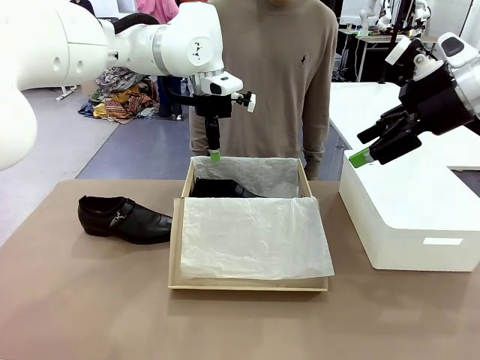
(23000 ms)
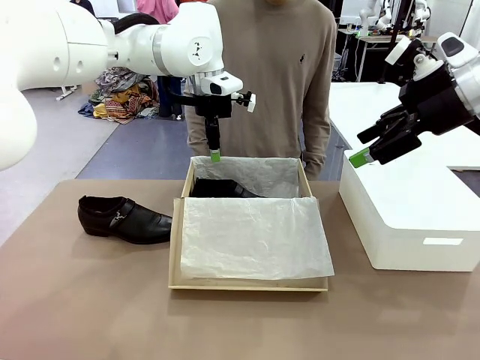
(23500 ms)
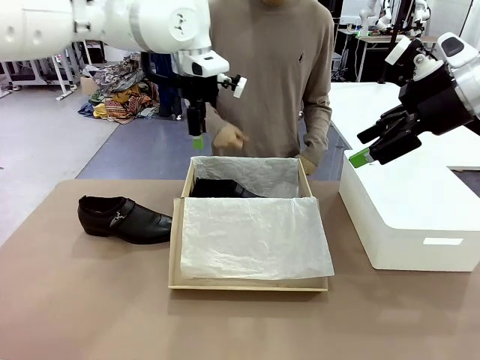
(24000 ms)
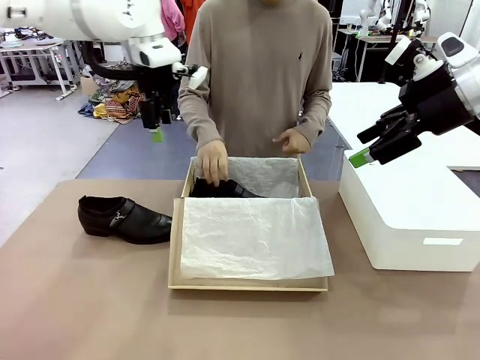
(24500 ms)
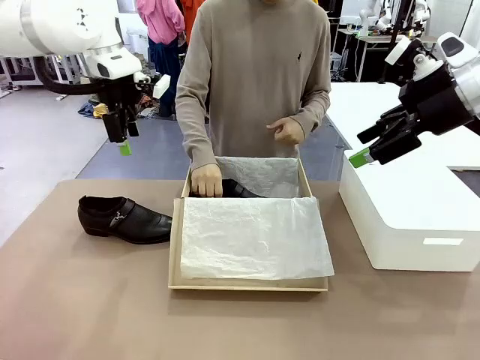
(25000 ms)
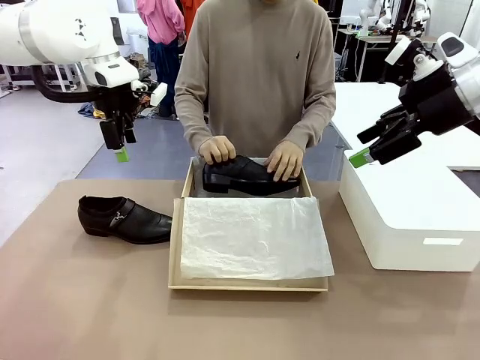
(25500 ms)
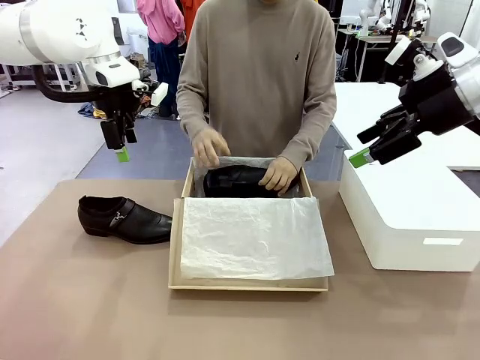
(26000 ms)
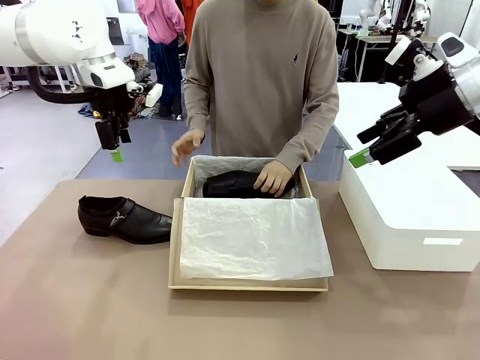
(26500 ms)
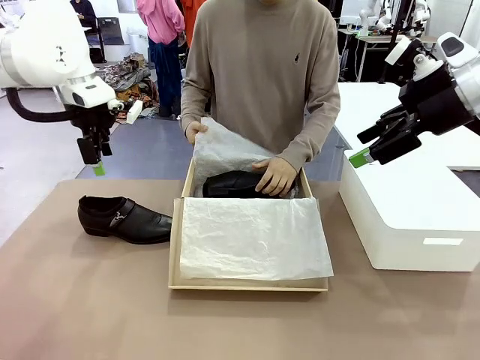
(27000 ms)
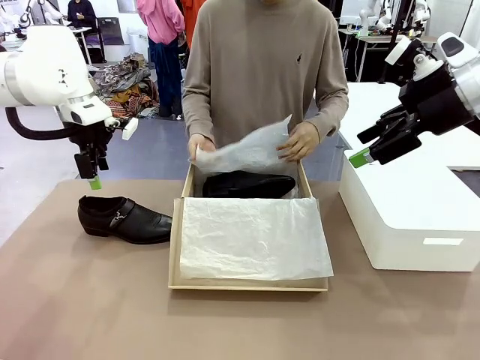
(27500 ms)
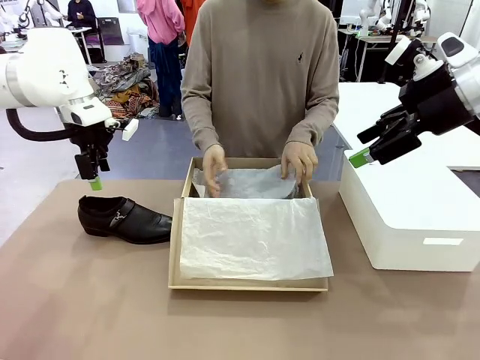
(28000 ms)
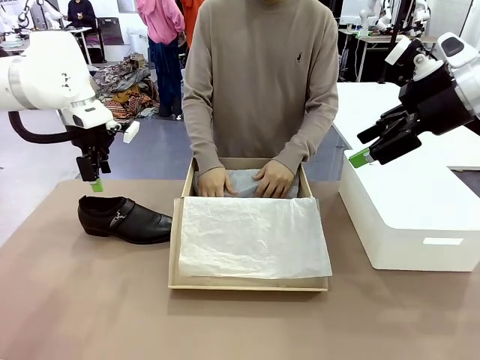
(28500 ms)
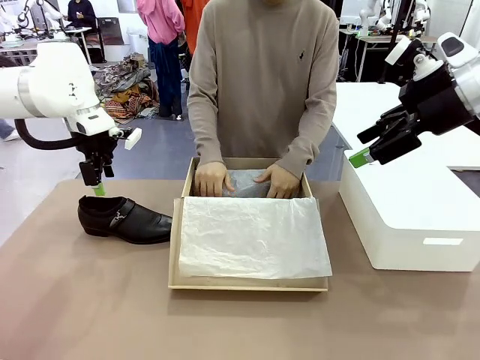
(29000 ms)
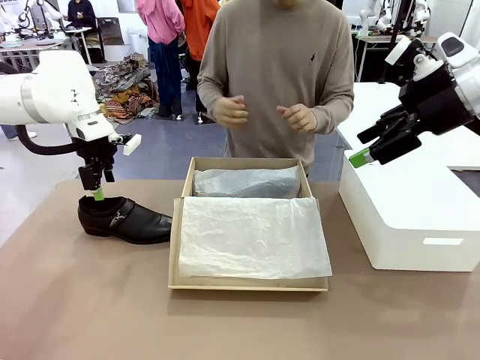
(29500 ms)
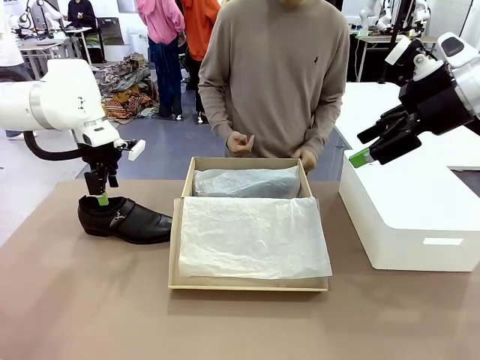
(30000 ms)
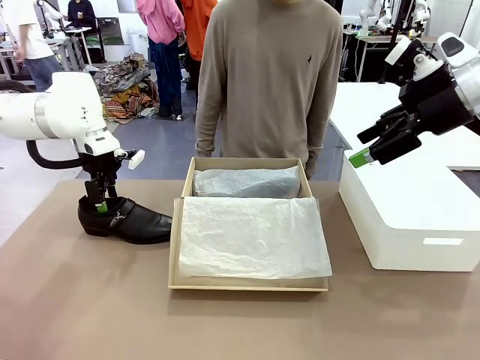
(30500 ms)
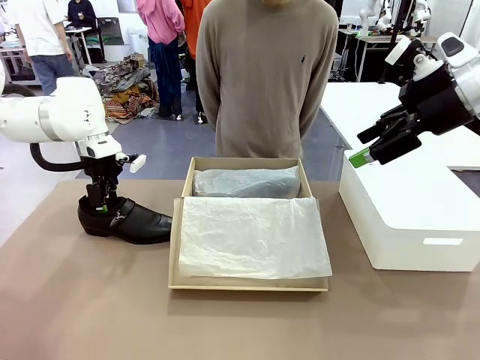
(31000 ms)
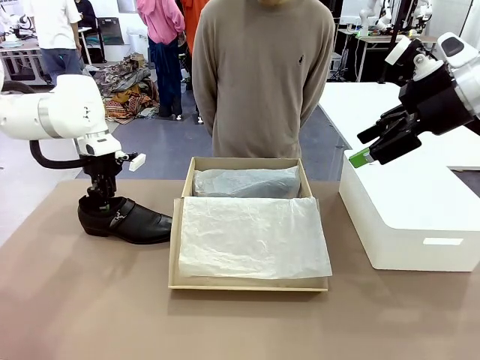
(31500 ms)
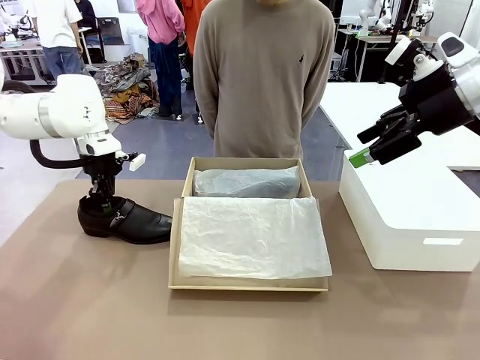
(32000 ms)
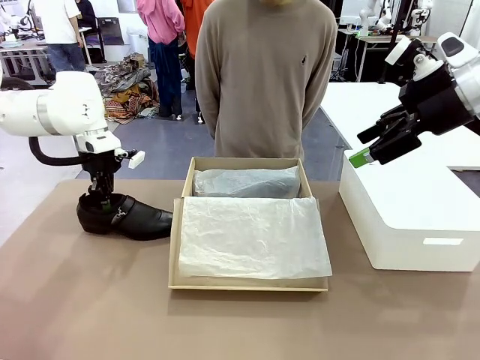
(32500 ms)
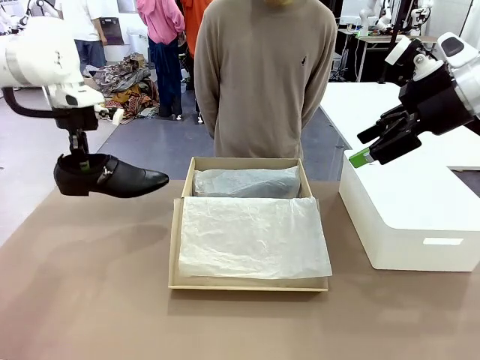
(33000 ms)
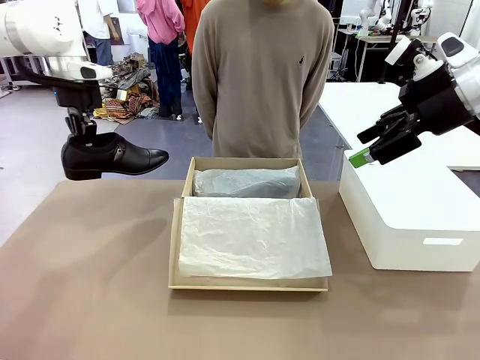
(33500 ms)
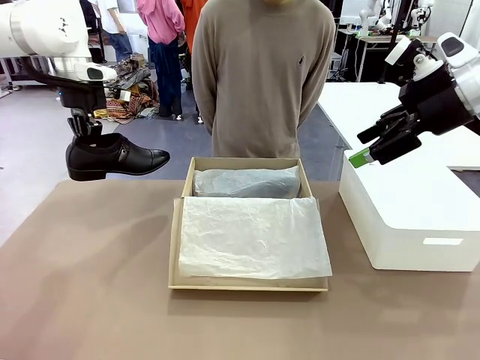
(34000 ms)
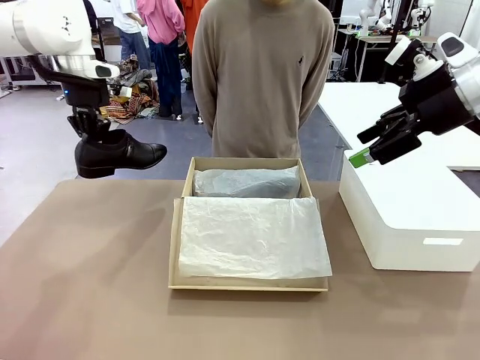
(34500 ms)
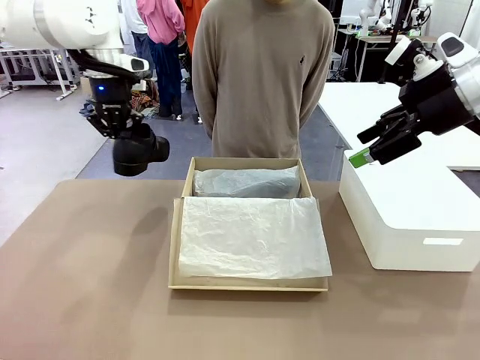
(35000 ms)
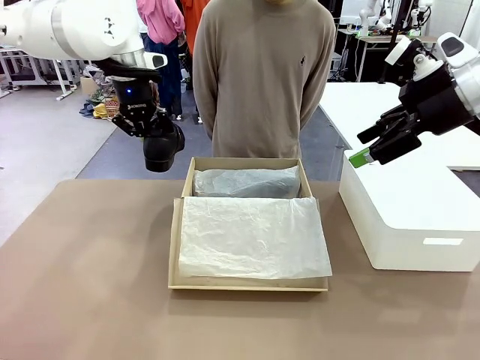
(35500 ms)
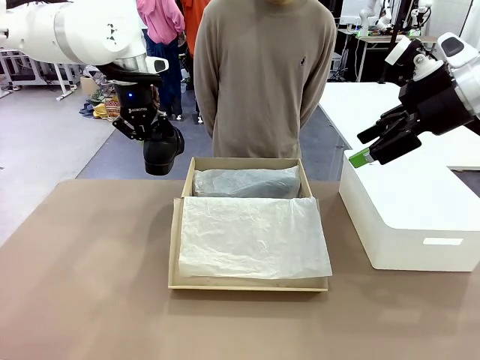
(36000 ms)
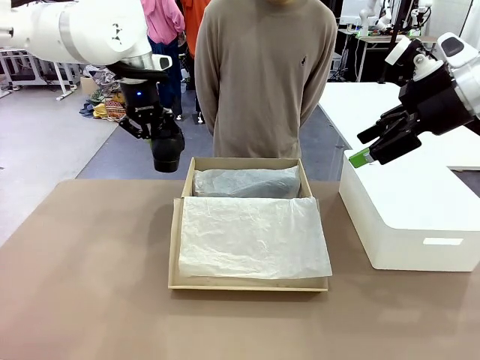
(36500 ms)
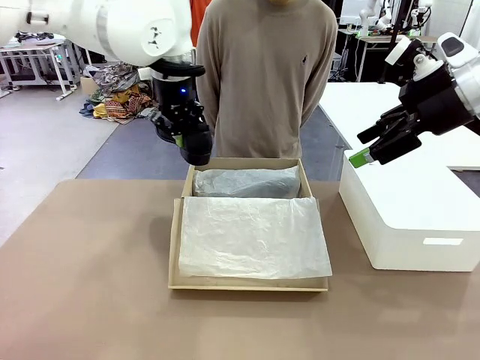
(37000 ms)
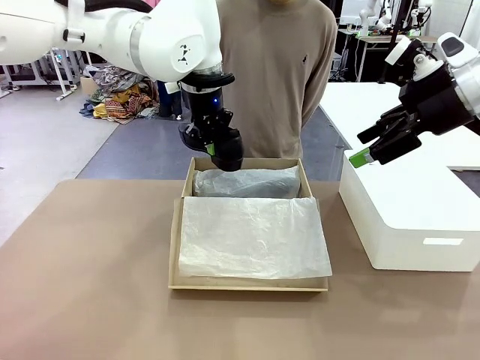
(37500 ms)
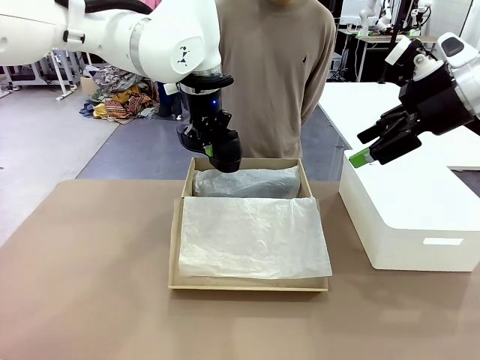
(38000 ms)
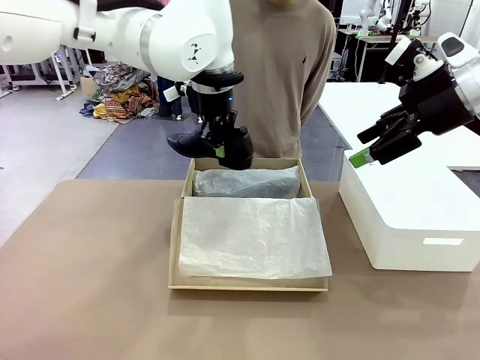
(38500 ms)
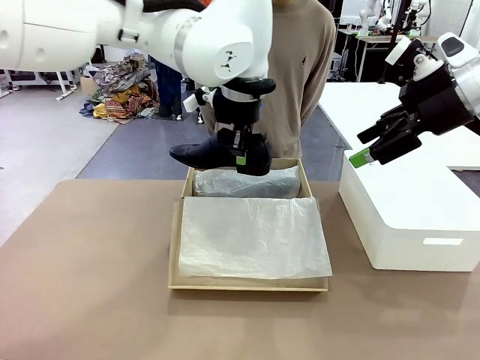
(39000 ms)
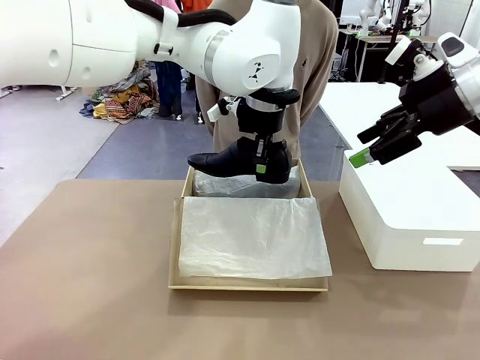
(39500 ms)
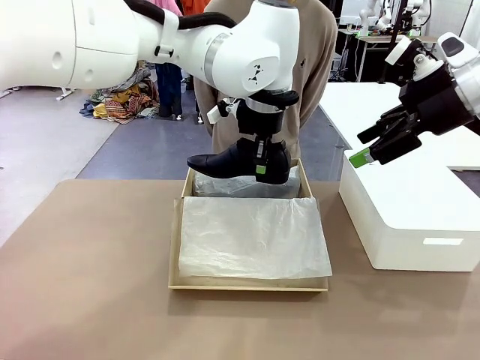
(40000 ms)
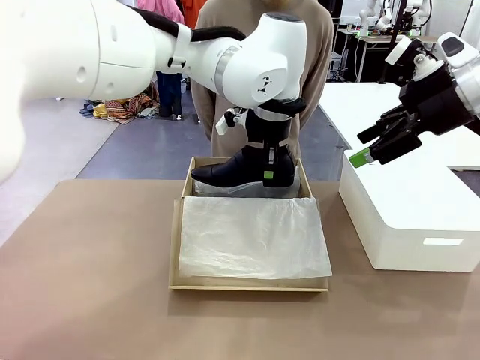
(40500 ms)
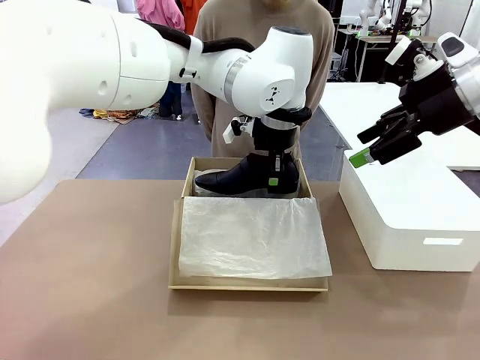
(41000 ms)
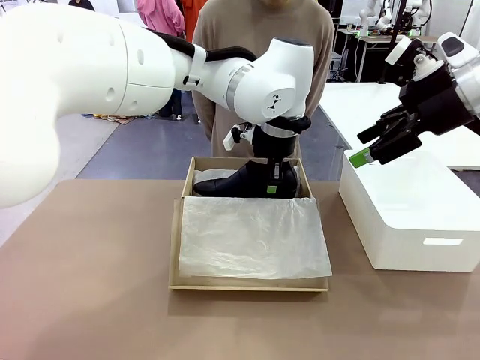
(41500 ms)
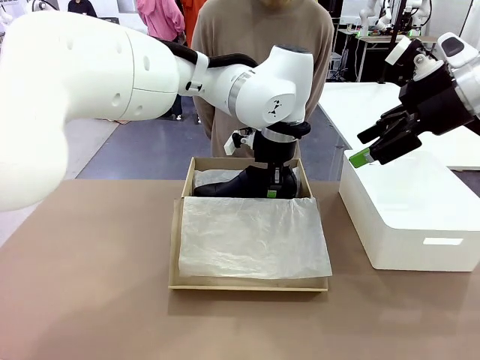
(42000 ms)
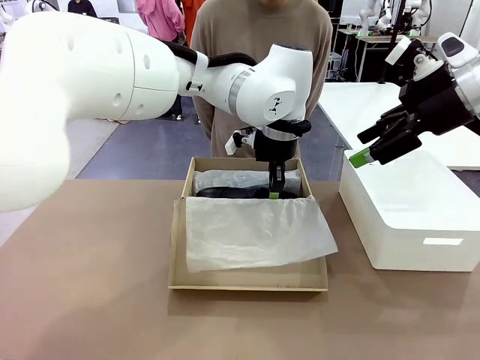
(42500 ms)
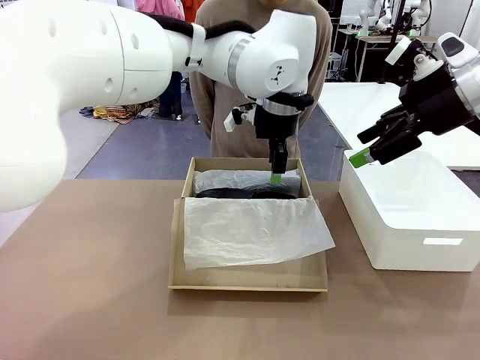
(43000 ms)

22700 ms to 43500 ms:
Task: Pack the shoes into the box.
Robot: Place the other shoe of the Shoes into the Shoes Box.
Person: Pack a shoe of Shoes inside the Shoes Box with Shoes Wrapping Paper.

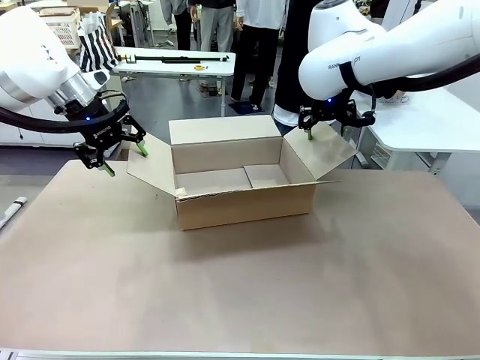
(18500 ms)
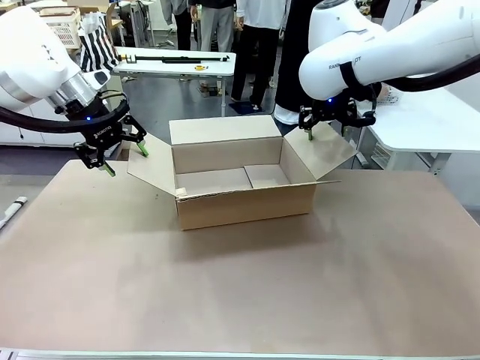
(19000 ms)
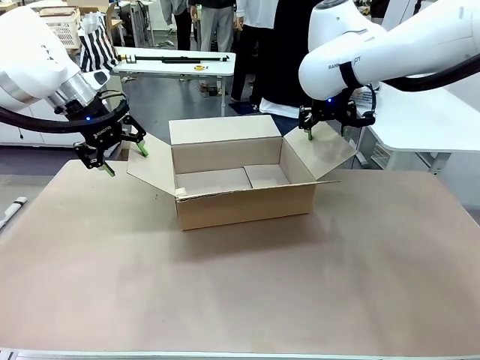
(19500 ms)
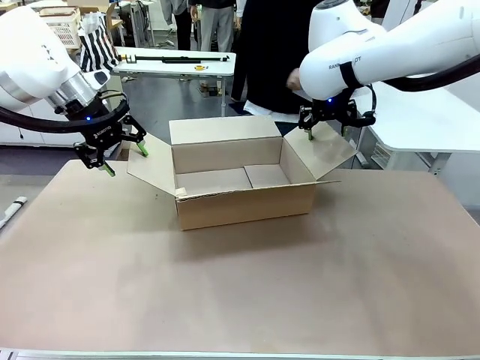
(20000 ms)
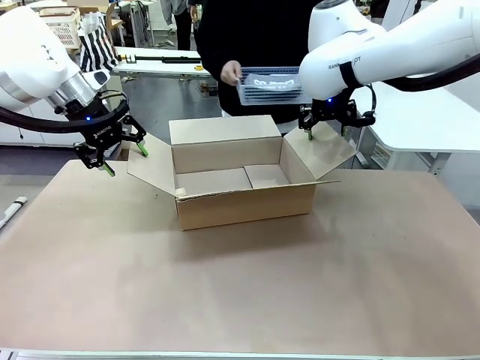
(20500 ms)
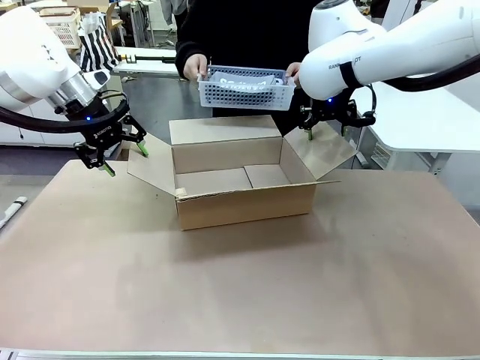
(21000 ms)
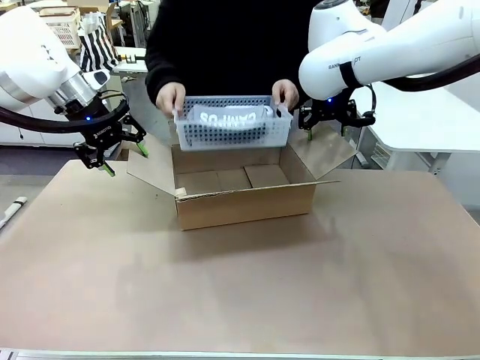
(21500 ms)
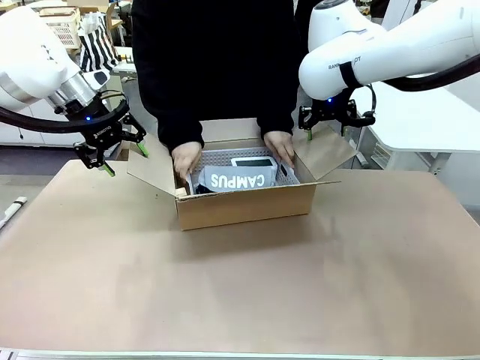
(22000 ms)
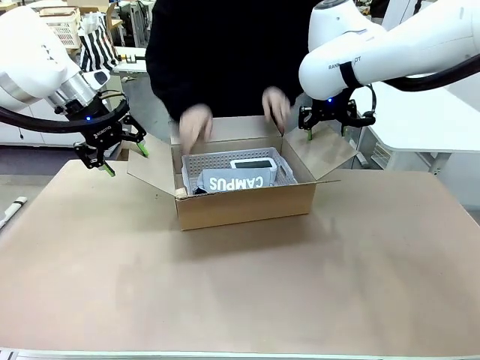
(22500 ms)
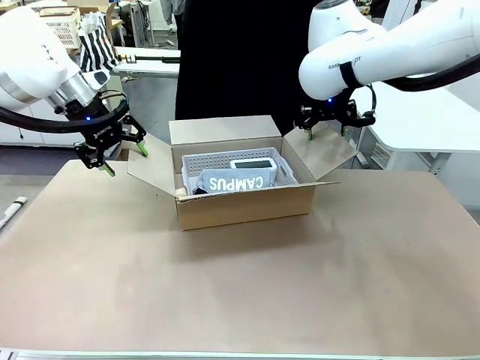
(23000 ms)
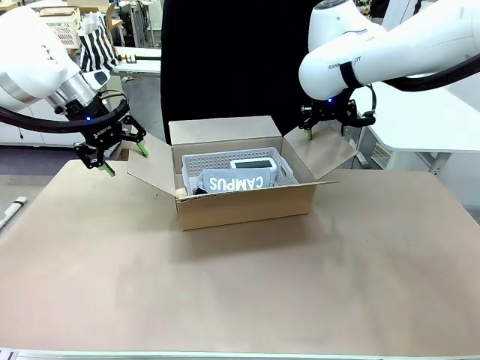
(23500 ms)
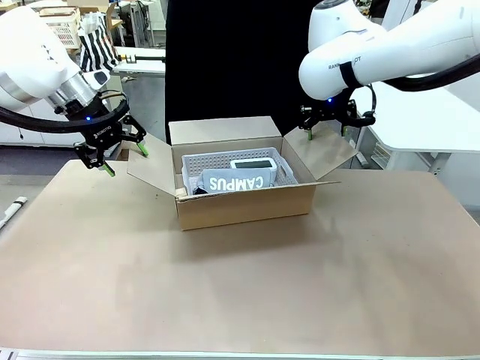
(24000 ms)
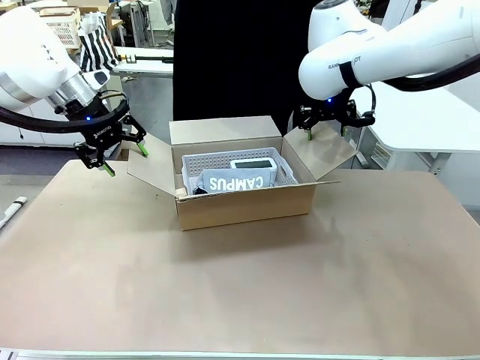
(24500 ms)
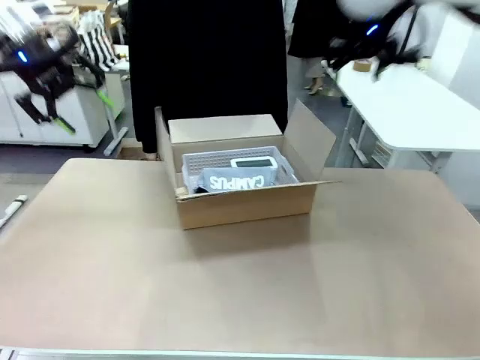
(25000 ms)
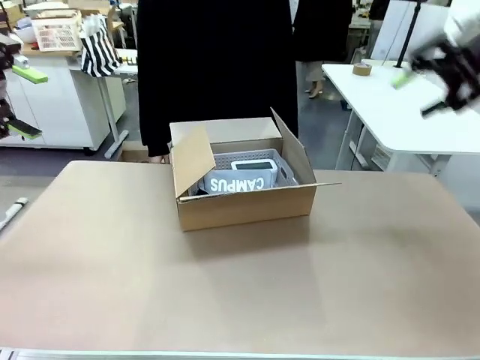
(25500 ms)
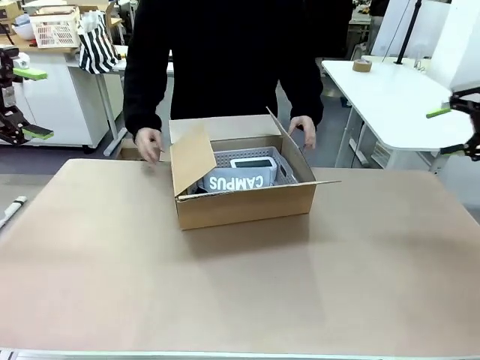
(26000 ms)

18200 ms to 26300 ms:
Task: Pack the gift set into the box.
Robot: Lift both hands away from the flaps of the Package Box.
Person: The human picks up the organizing basket and places the organizing basket into the package box on the robot table.
